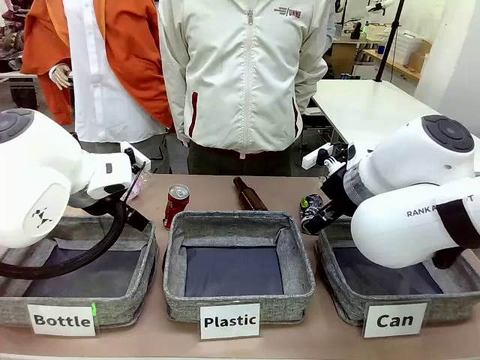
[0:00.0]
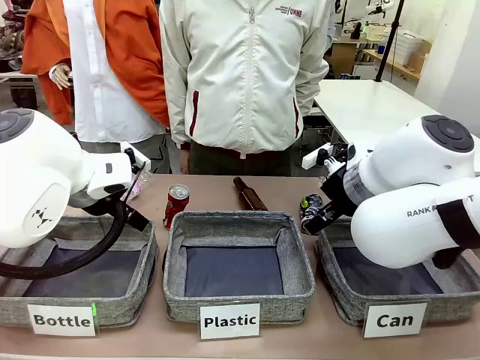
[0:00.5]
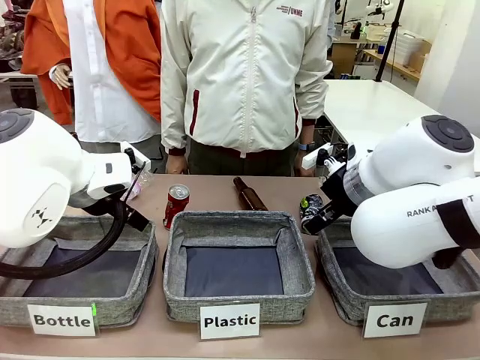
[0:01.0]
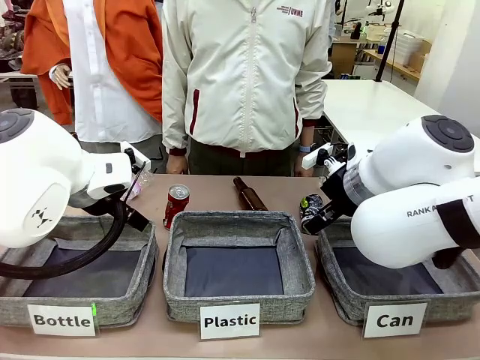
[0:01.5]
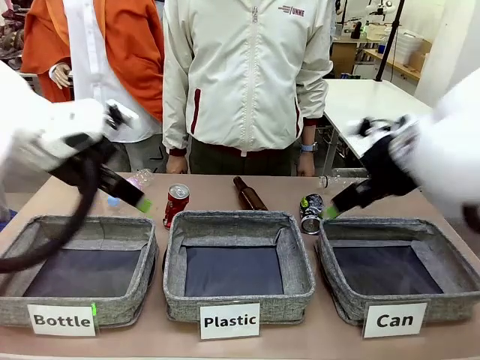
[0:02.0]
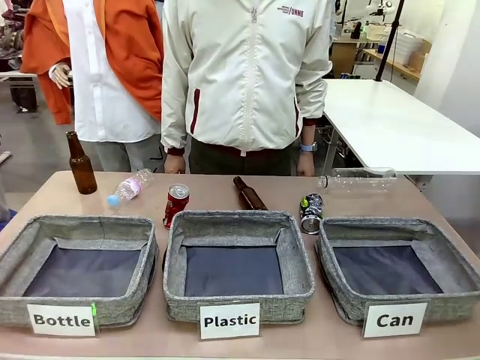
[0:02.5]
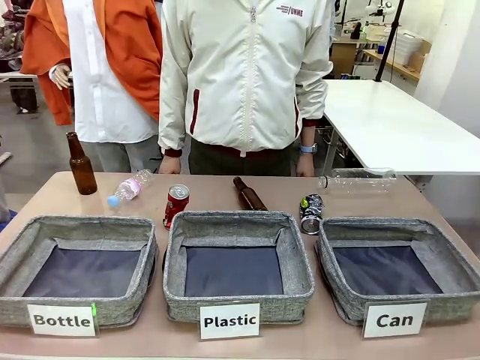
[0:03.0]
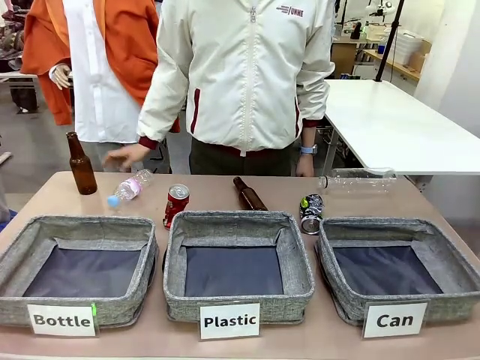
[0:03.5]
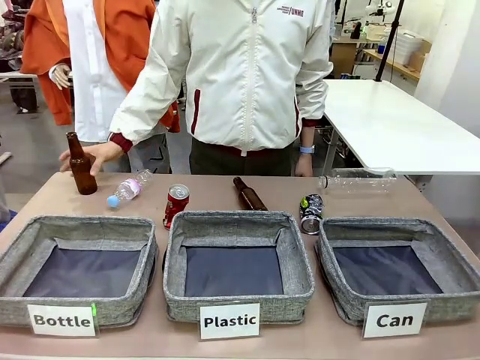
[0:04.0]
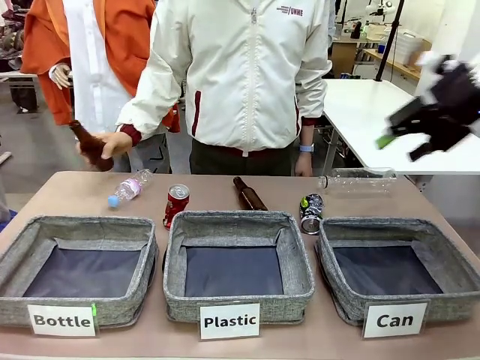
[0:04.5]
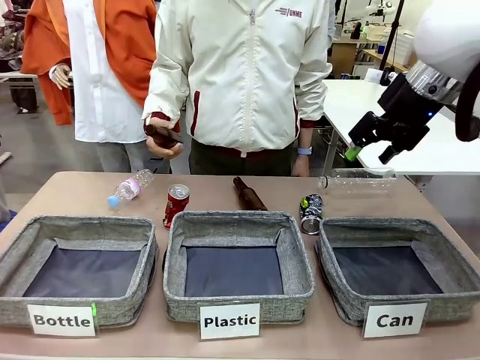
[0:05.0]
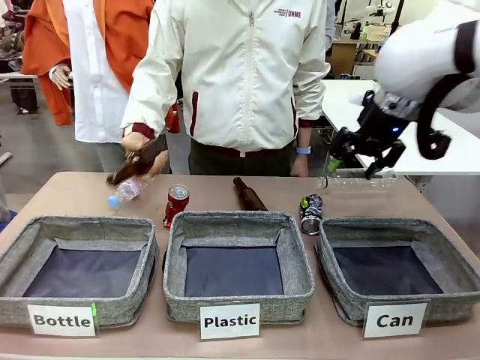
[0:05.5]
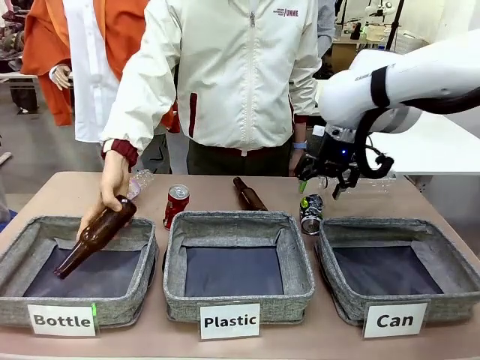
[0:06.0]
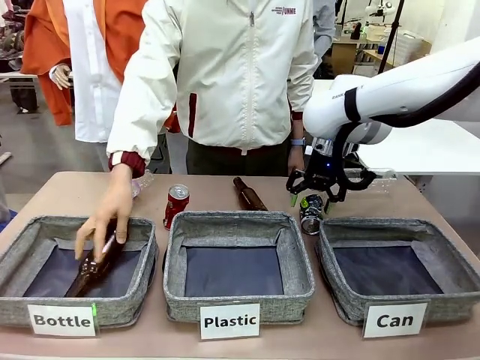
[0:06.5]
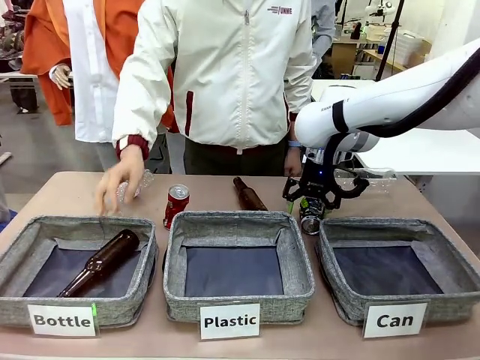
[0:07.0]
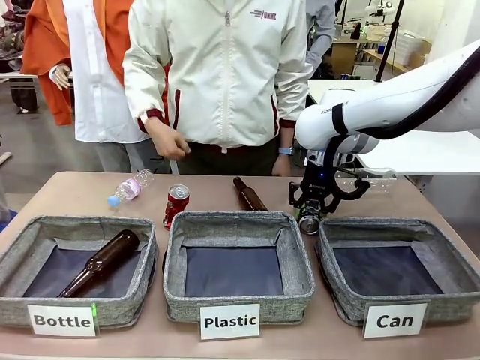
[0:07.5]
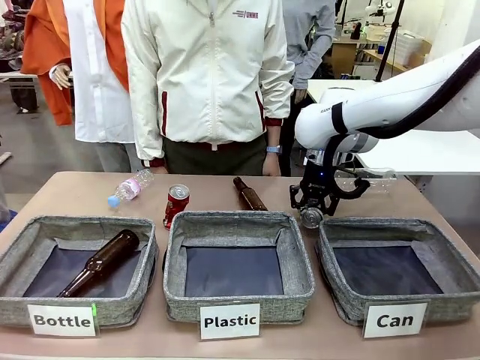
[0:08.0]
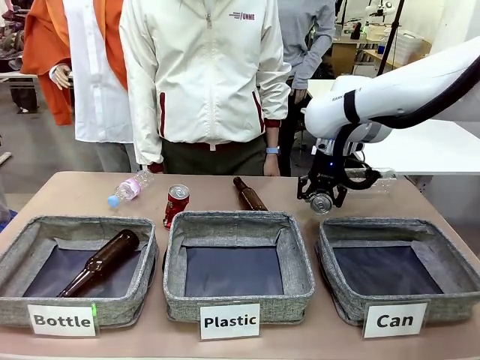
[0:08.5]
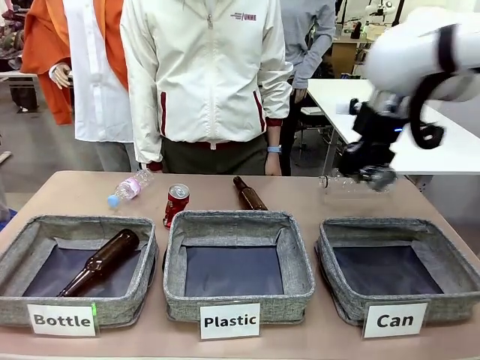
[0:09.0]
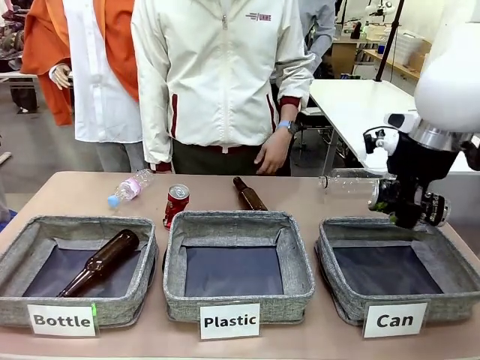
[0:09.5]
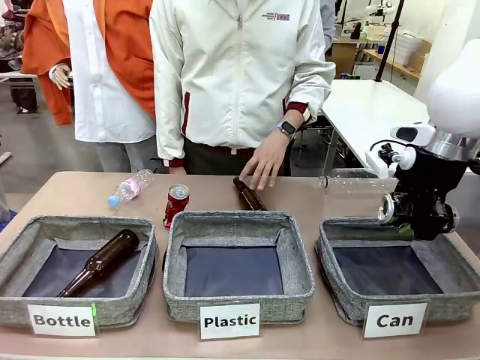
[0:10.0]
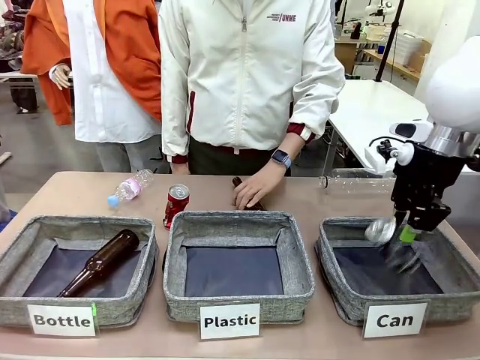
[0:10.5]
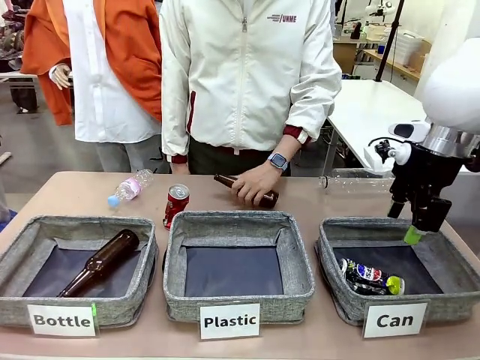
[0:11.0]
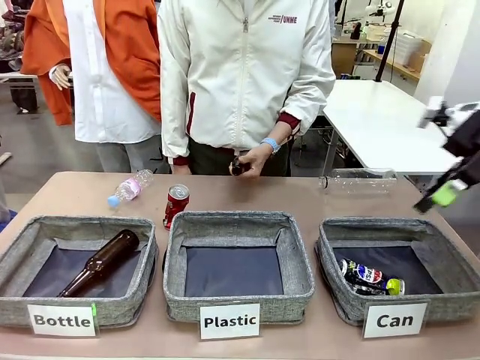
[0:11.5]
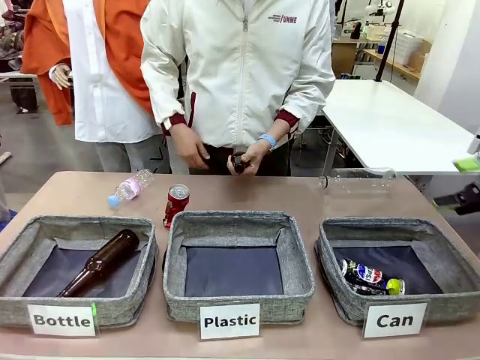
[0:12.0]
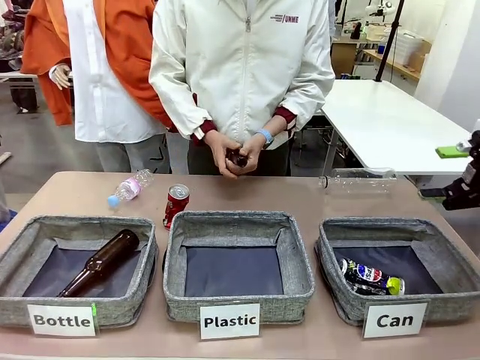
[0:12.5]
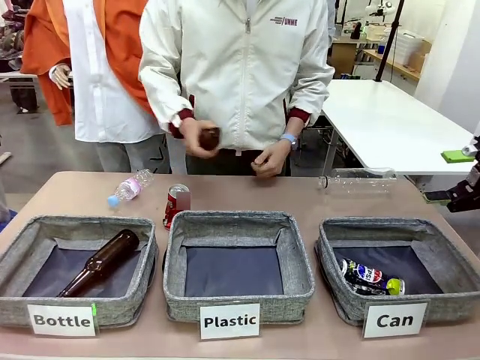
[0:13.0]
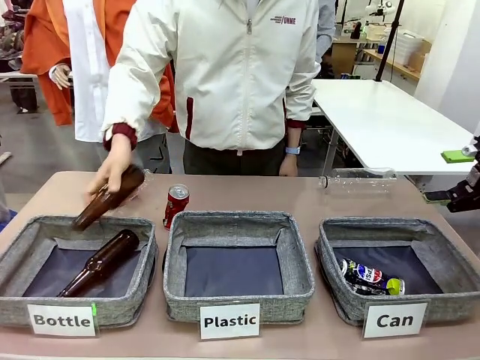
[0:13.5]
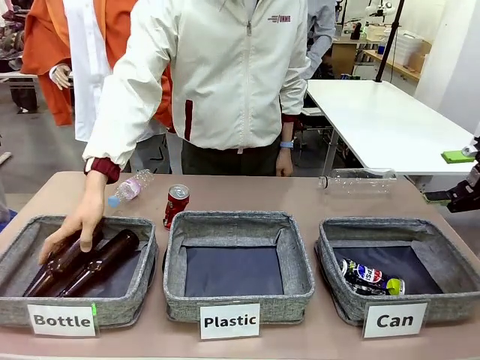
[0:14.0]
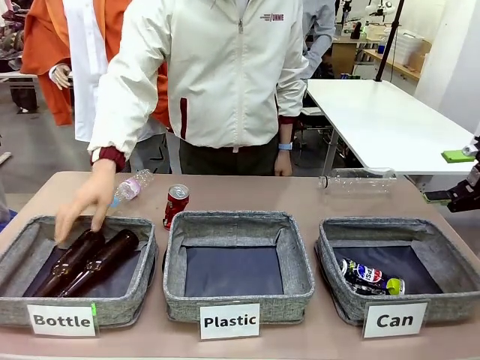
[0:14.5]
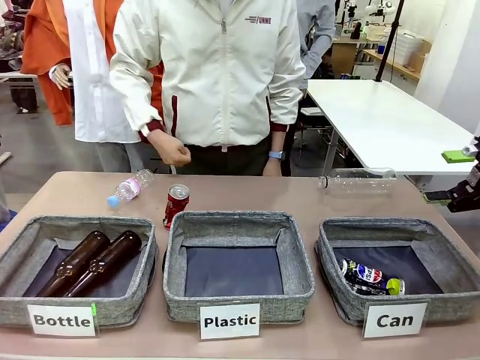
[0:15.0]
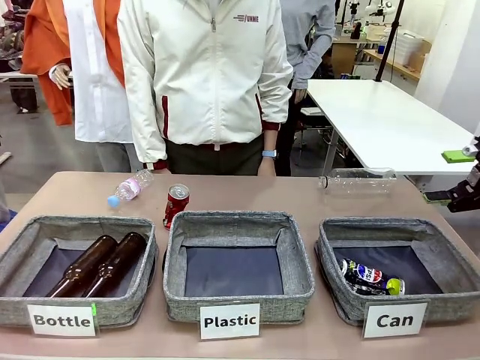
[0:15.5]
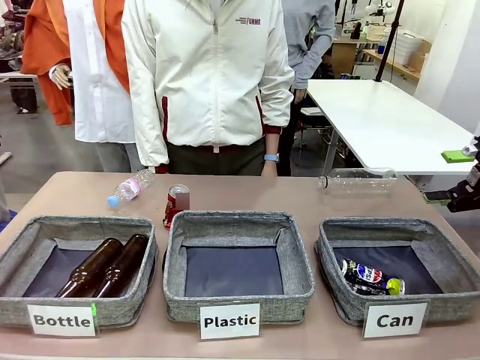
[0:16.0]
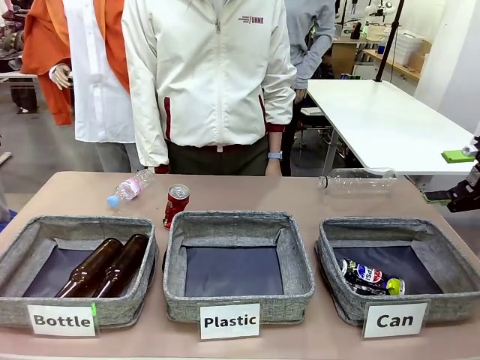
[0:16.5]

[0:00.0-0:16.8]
Task: Sort the can waste into the basket.
Robot: Pick up the can waste from the table and place it in the right Fabric basket.

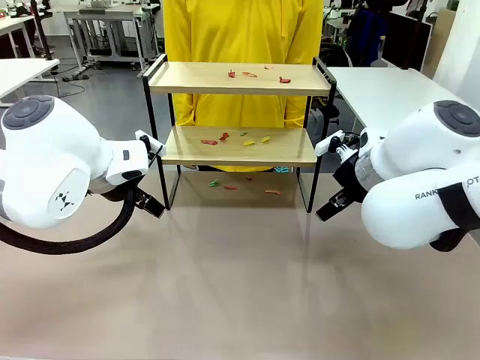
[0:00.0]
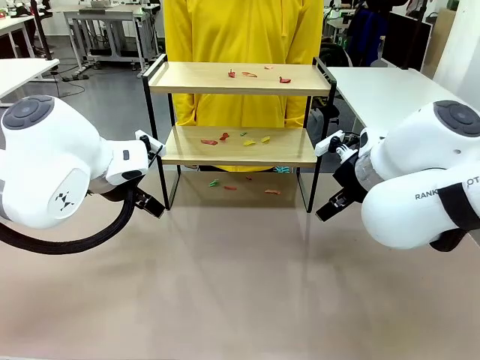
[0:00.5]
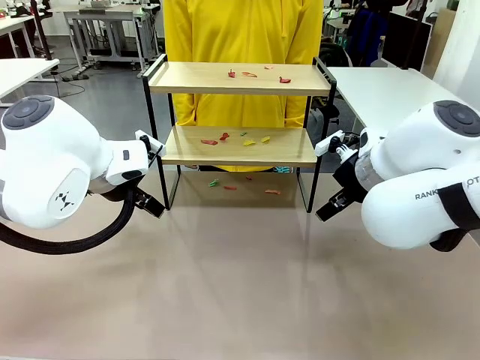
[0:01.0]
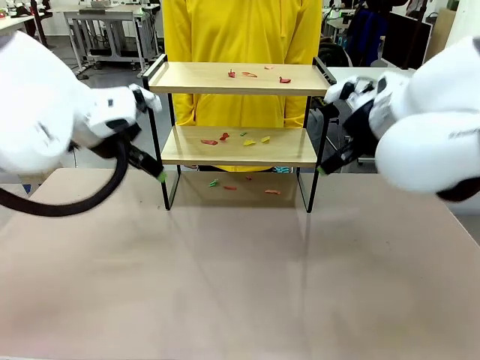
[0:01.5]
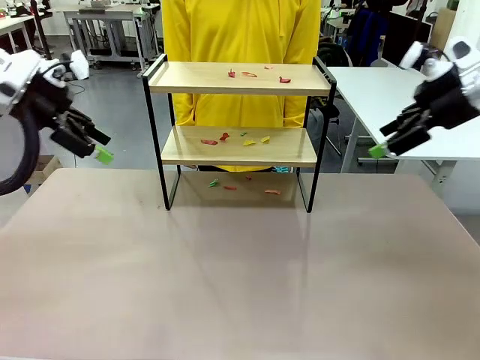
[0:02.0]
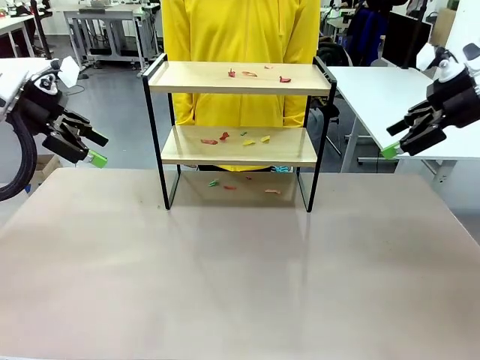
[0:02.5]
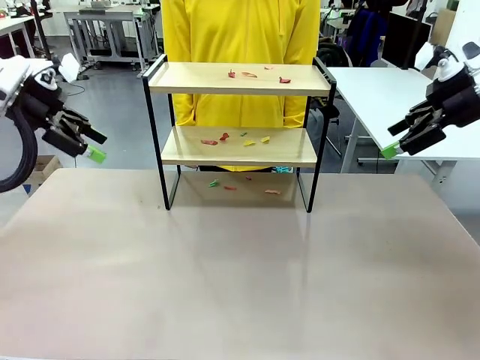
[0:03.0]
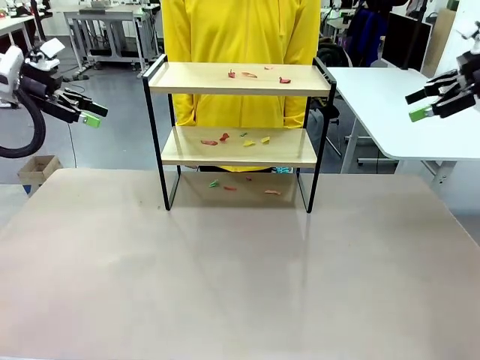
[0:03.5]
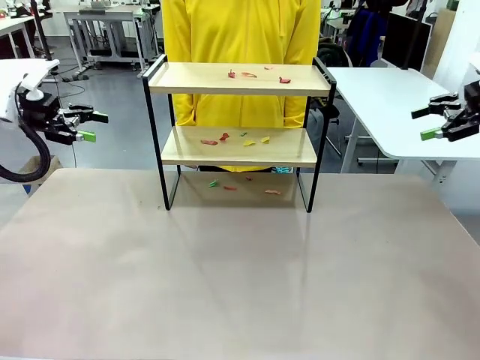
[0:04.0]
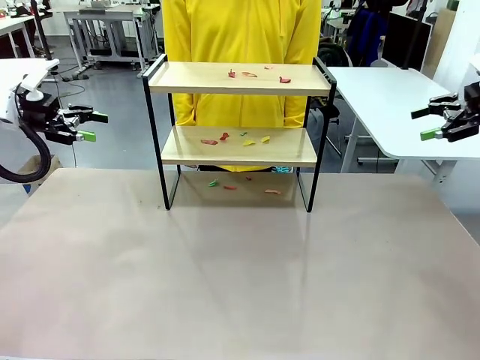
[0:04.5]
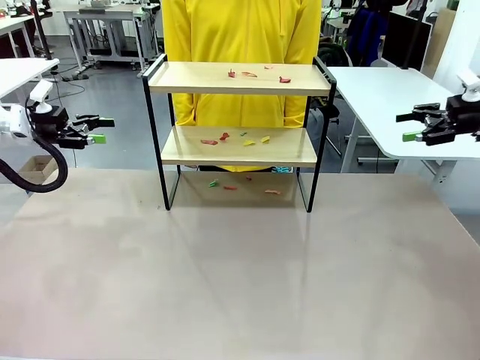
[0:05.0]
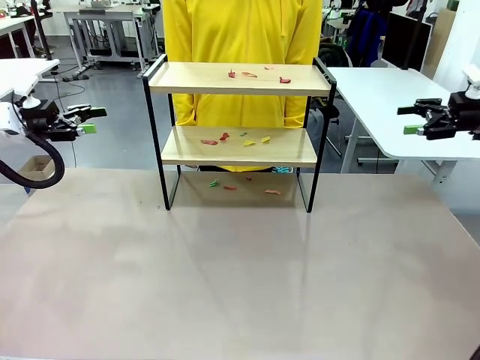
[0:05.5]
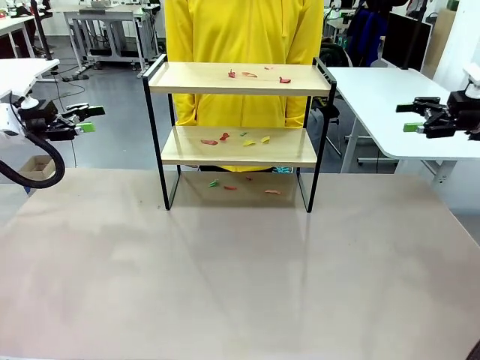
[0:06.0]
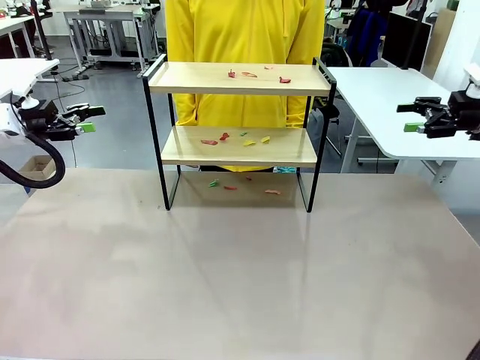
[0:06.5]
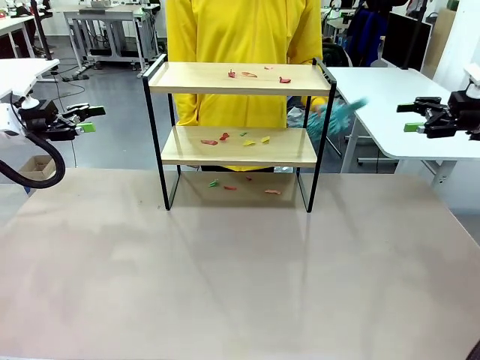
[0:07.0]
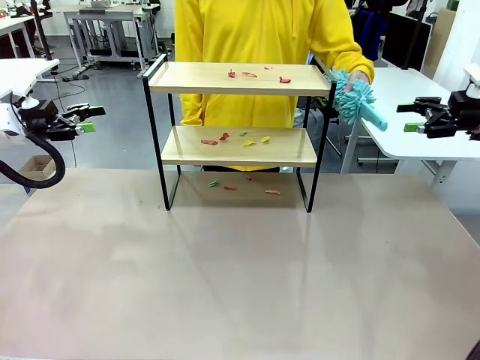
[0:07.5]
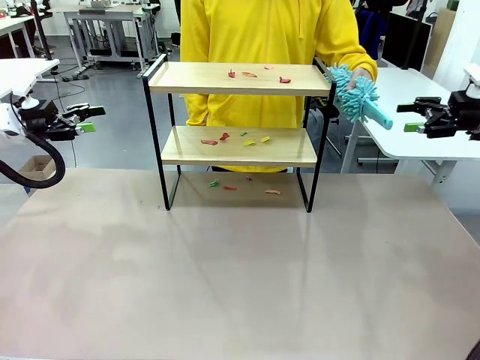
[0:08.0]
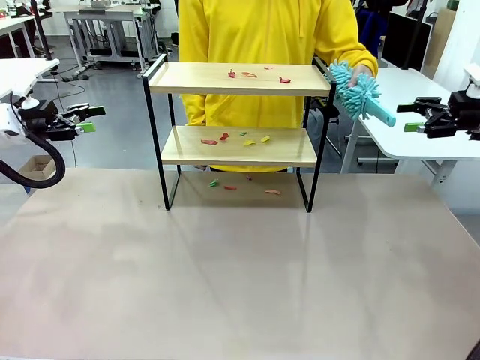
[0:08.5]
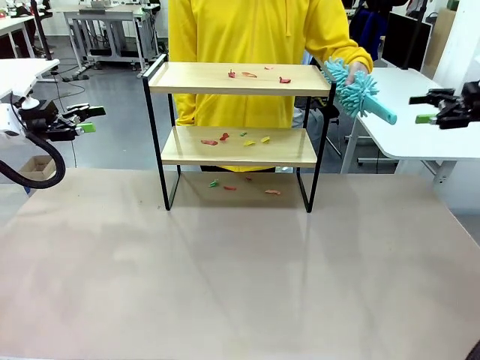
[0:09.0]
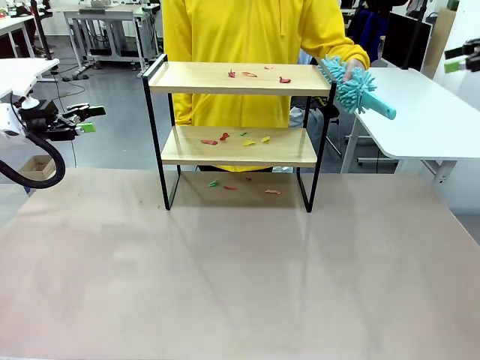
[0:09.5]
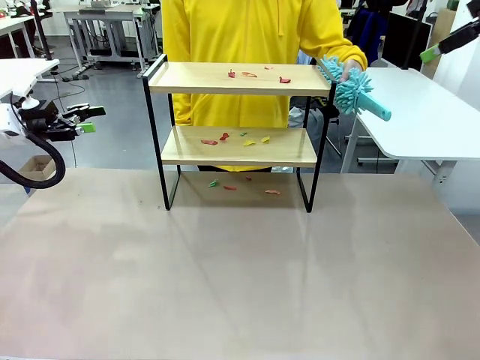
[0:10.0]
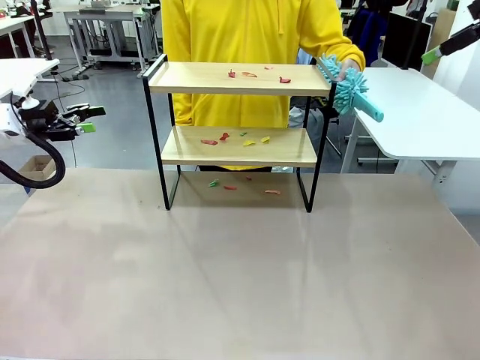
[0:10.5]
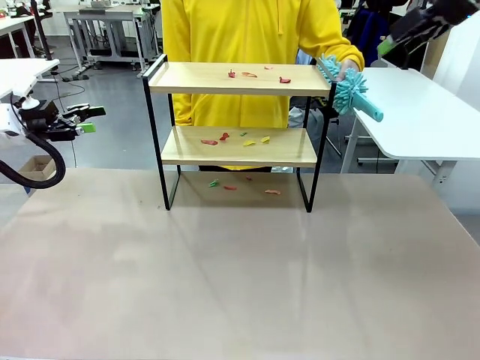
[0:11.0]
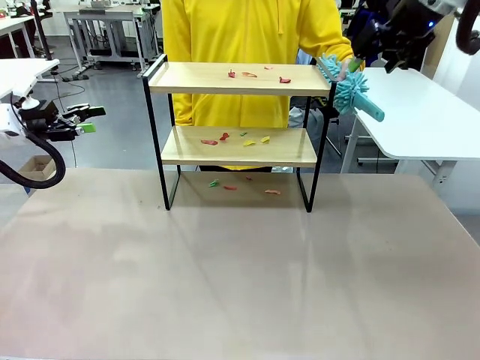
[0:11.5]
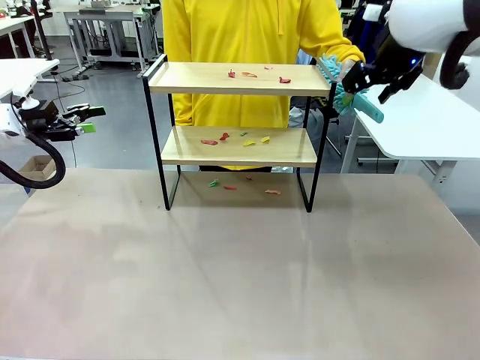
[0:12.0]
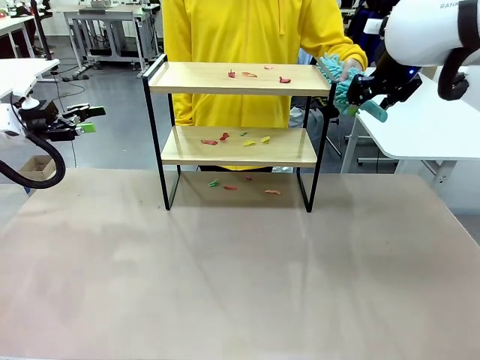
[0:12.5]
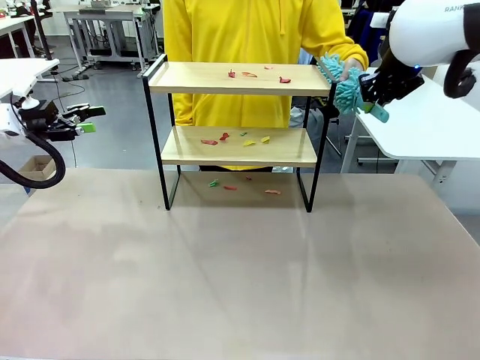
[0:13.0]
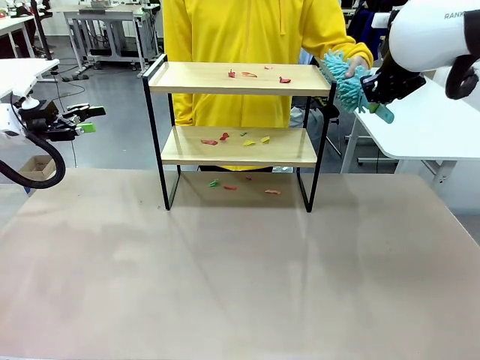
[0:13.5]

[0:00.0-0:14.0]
Task: Clean the shelf.
Robot: Pick up the Duster handed by the human.
Person: Hand the Duster to the robot.
